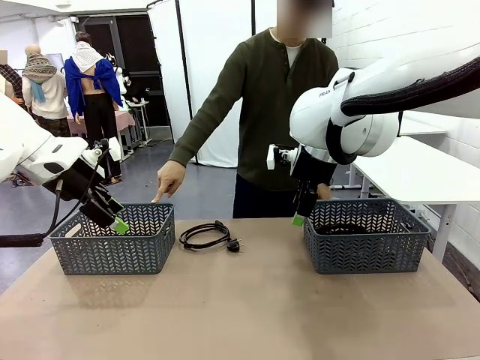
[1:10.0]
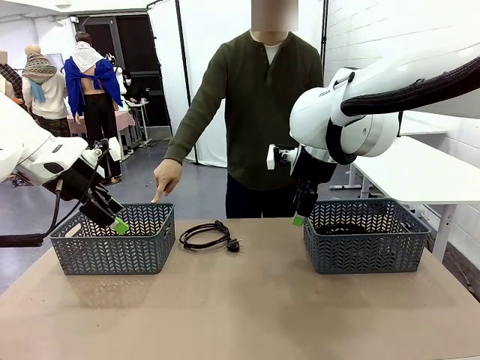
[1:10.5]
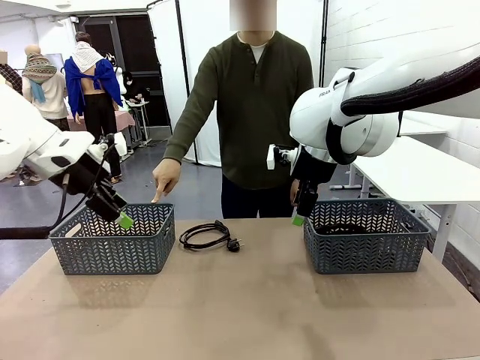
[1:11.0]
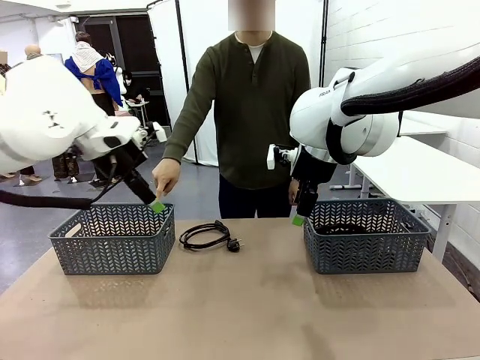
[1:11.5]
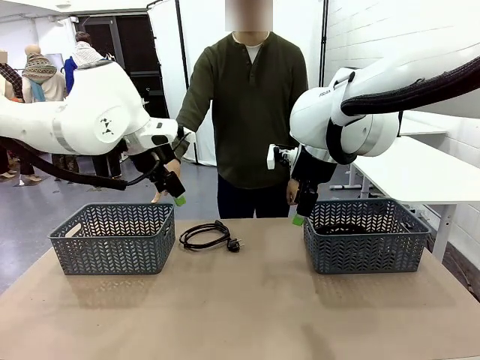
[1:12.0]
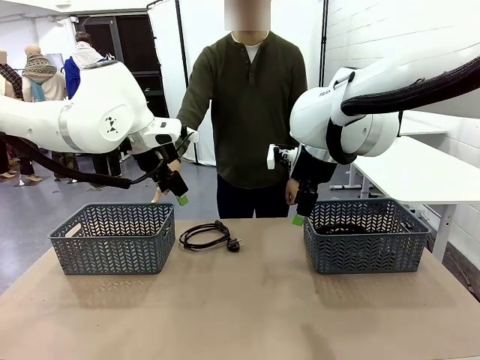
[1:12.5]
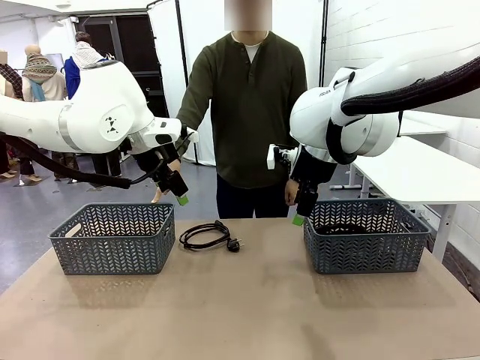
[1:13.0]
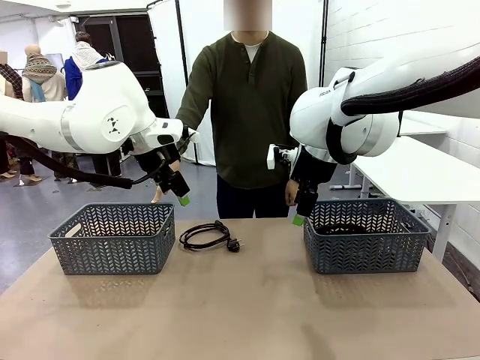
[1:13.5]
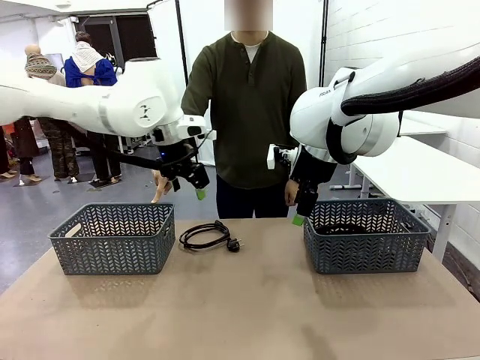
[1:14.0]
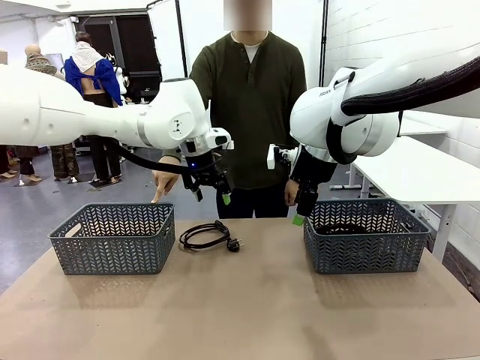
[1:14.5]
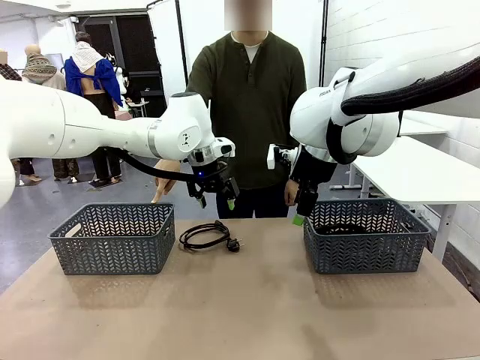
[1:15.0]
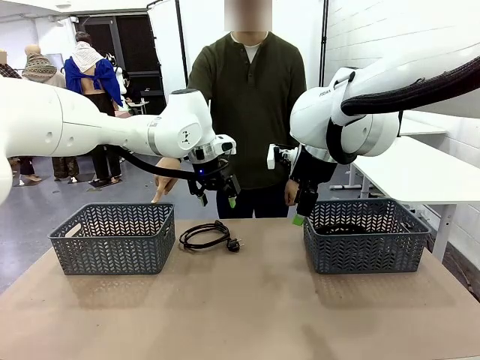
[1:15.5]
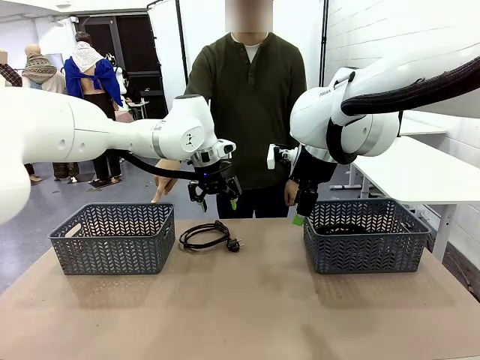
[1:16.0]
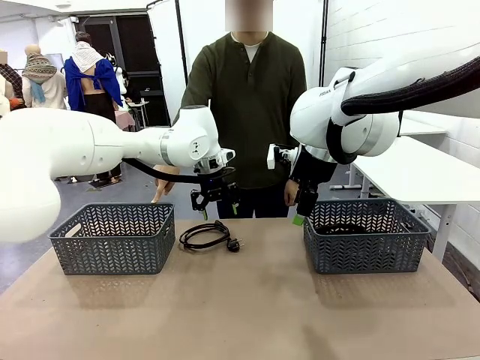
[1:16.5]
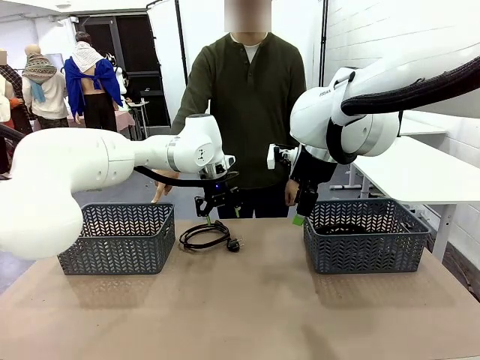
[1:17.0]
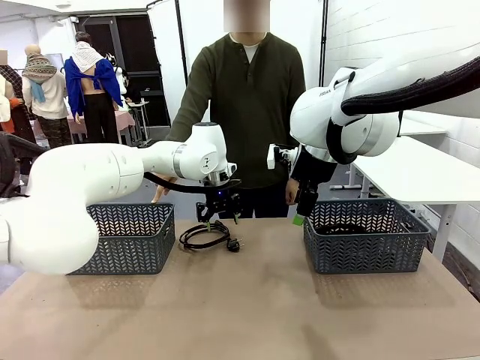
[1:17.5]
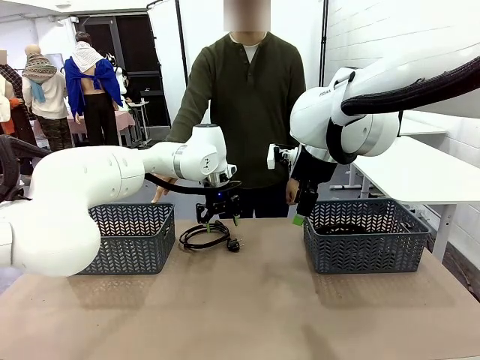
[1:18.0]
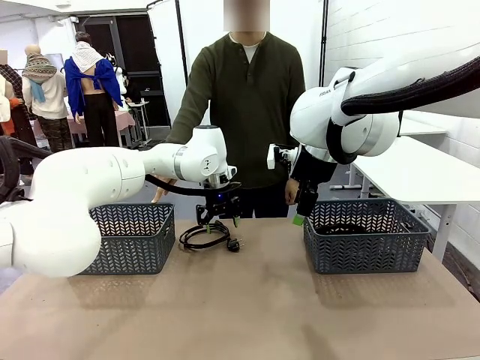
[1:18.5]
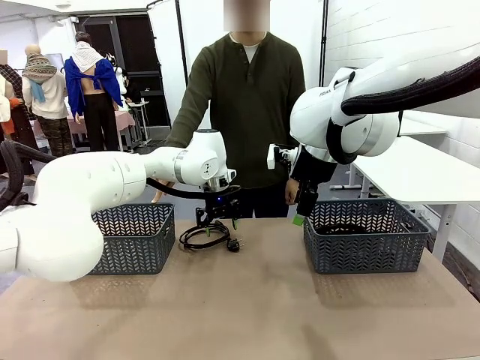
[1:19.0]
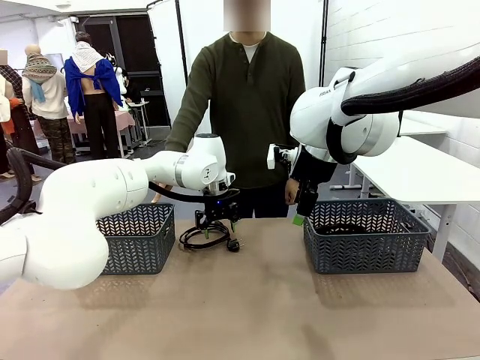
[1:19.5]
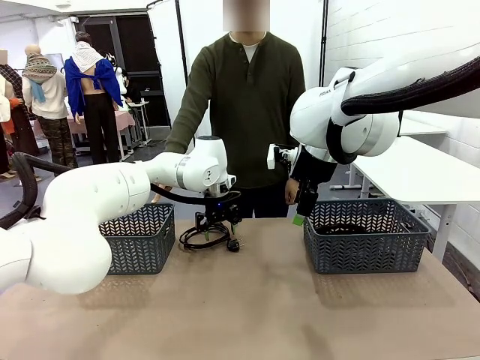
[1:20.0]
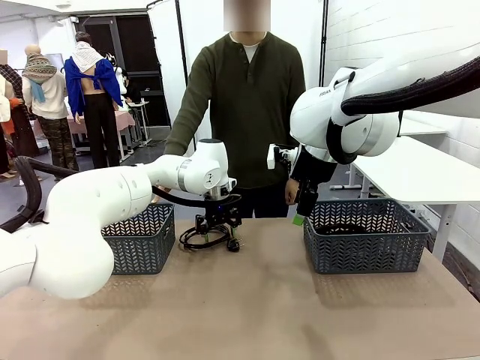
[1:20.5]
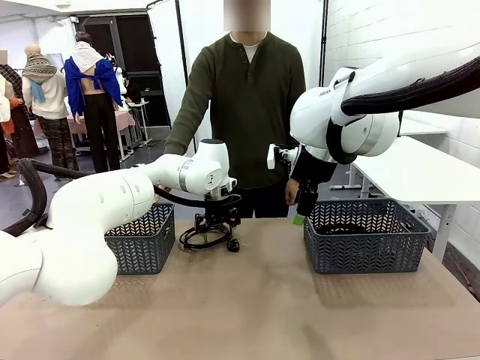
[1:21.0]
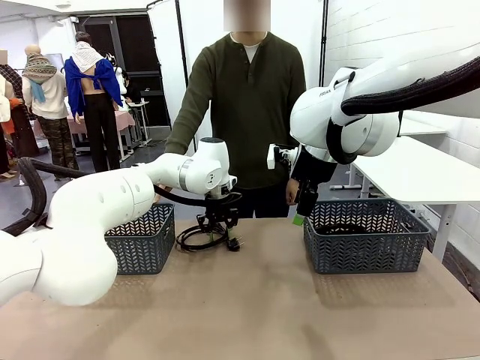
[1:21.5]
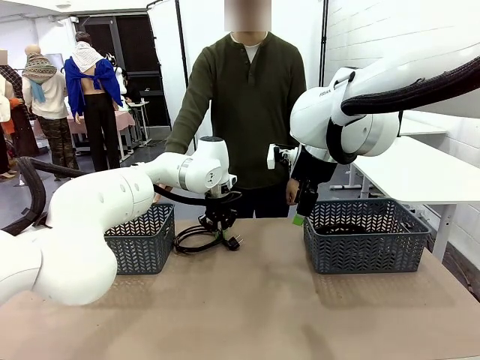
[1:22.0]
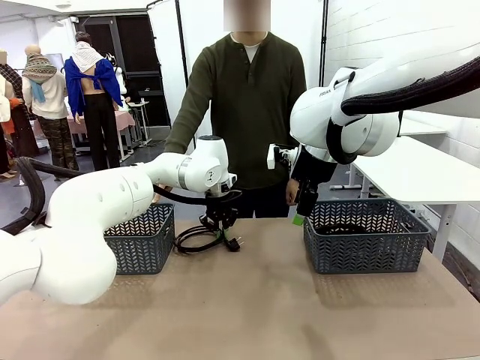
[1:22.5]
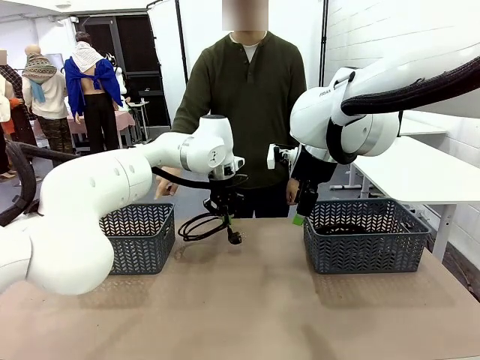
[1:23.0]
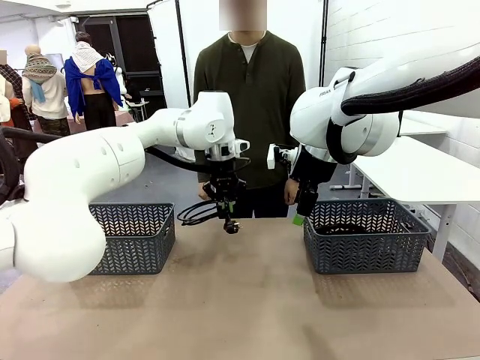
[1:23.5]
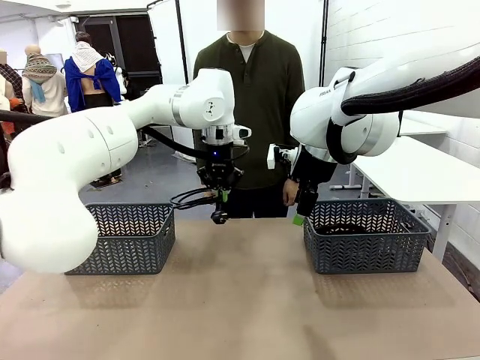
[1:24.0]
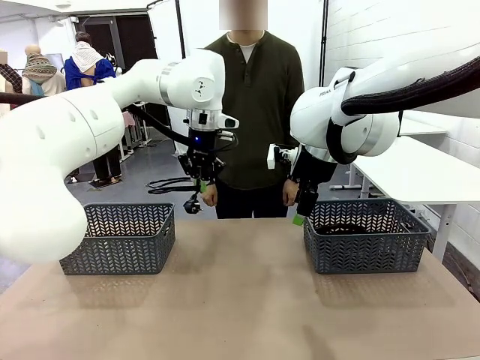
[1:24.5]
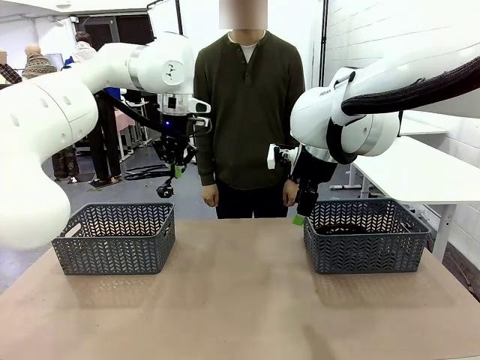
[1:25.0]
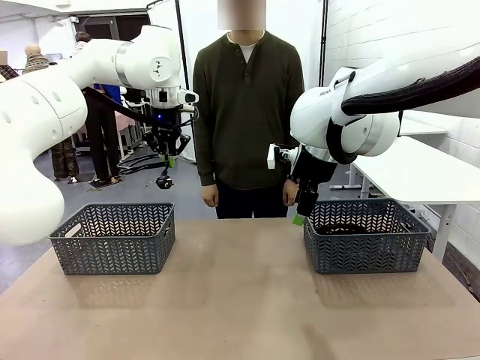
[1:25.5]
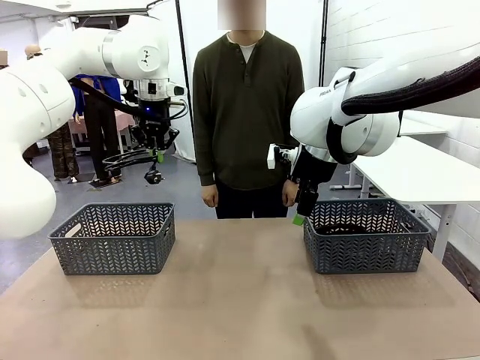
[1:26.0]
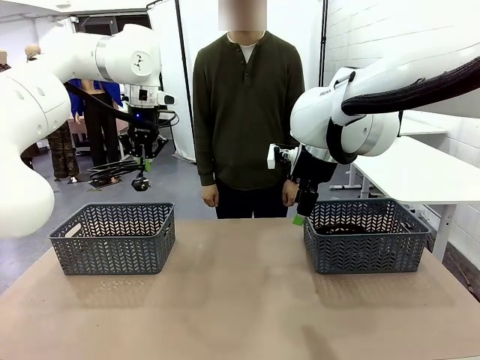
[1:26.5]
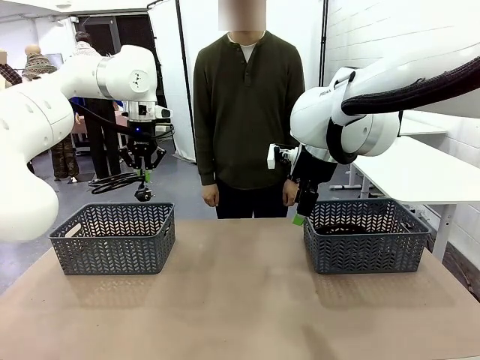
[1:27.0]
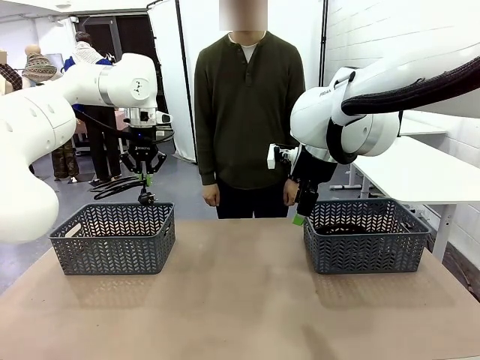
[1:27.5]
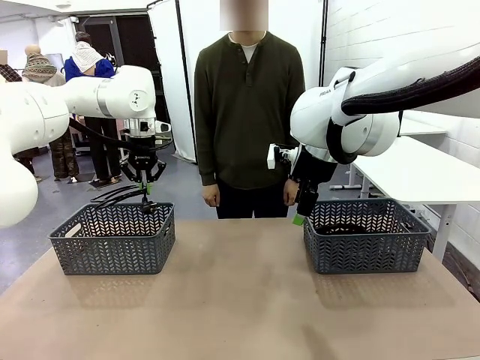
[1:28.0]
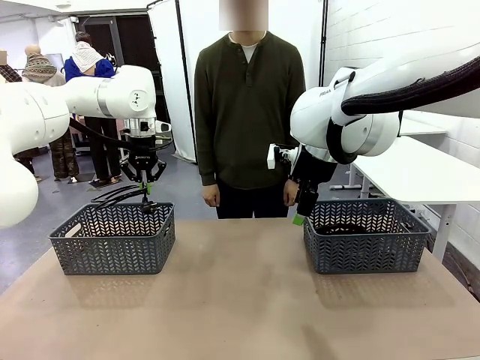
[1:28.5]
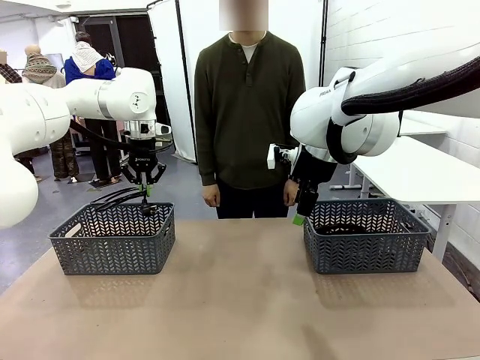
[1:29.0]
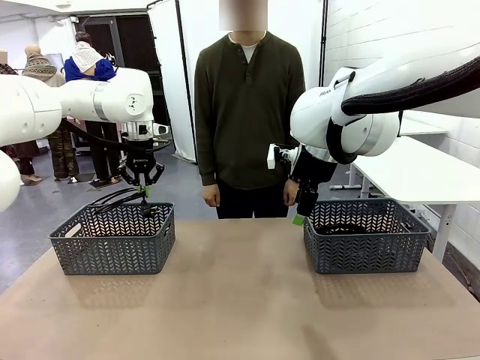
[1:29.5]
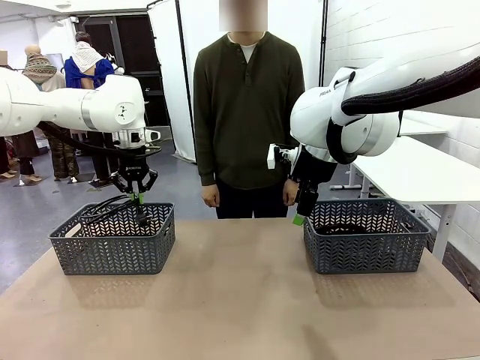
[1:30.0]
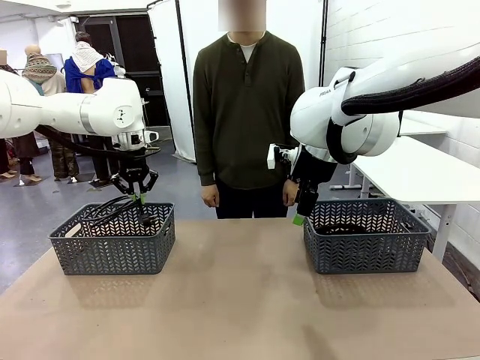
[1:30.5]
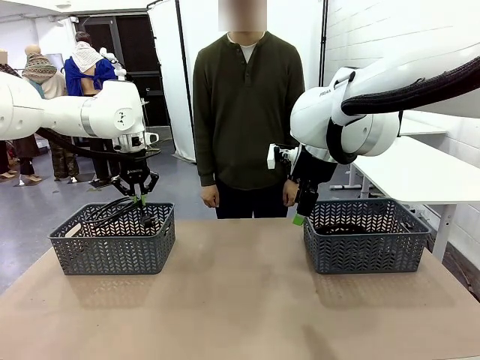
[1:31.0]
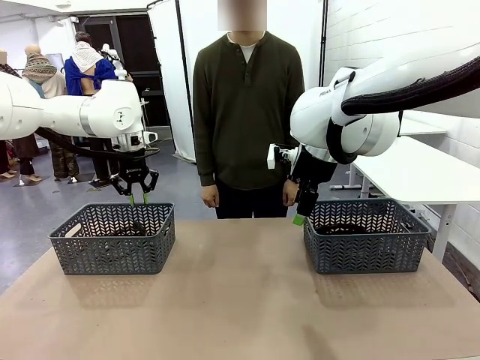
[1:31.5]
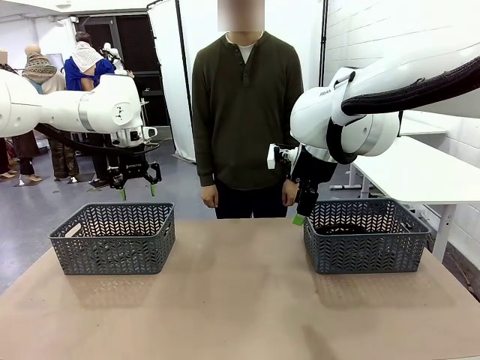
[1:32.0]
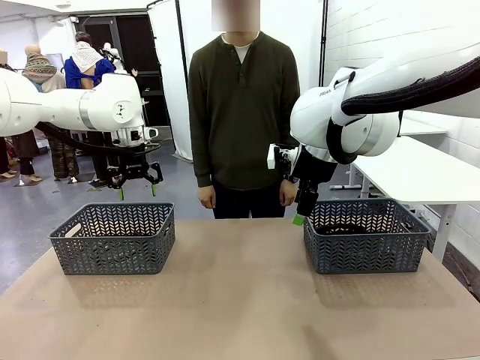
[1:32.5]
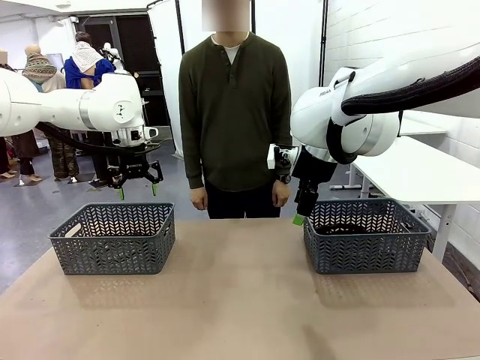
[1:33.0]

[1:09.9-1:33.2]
Task: Organize the cables according to human instructions.
Robot: Pick up a bundle of cables and place it in the basket indicated by the human.

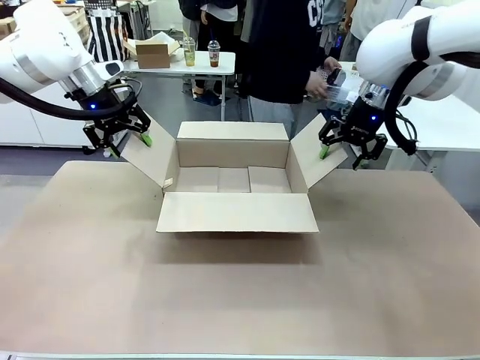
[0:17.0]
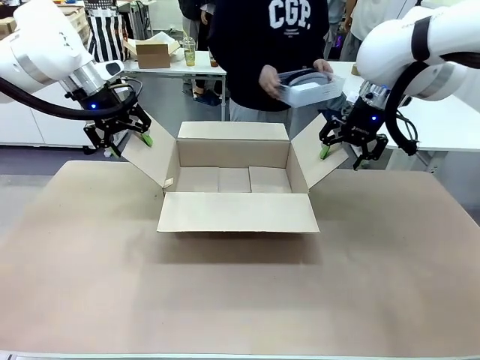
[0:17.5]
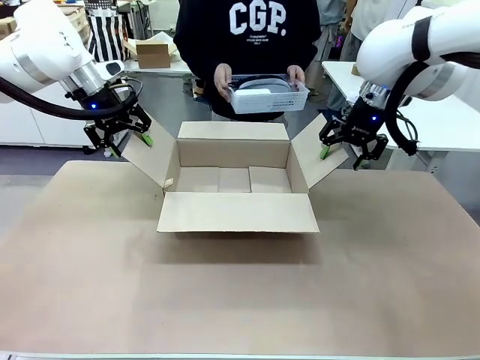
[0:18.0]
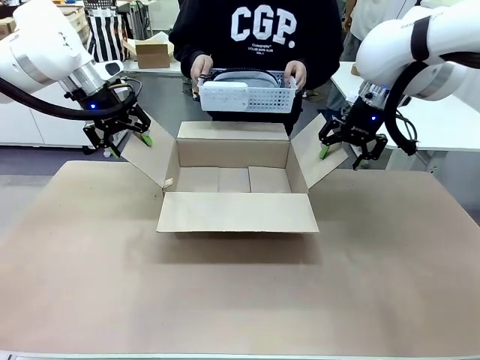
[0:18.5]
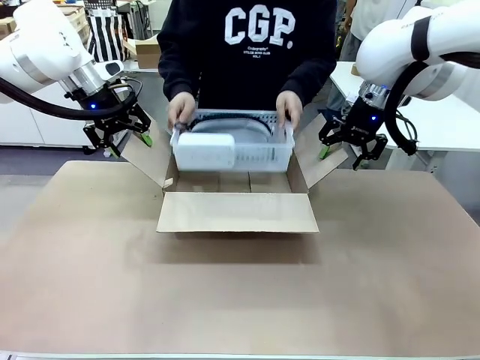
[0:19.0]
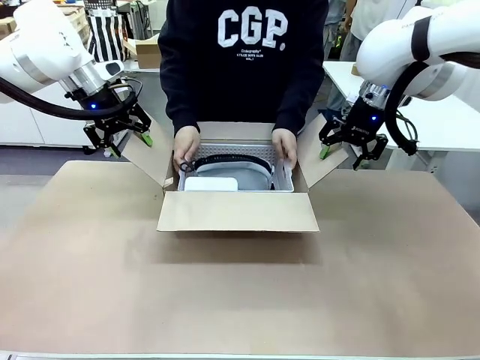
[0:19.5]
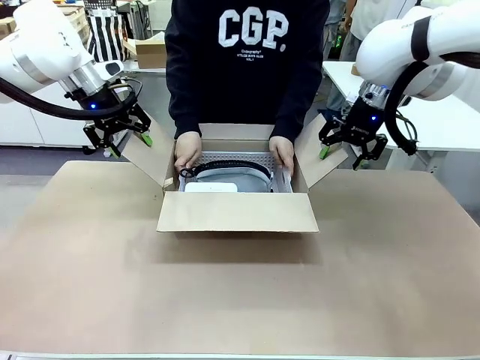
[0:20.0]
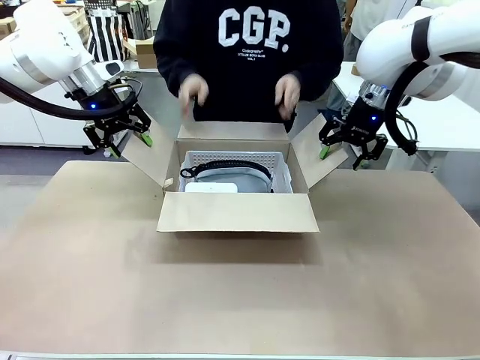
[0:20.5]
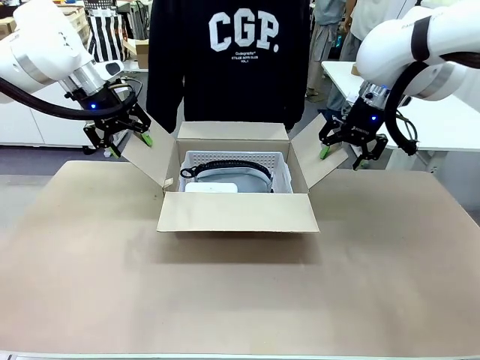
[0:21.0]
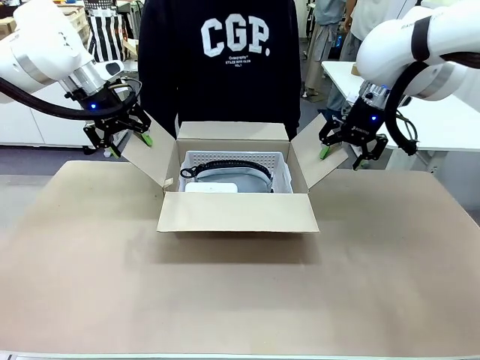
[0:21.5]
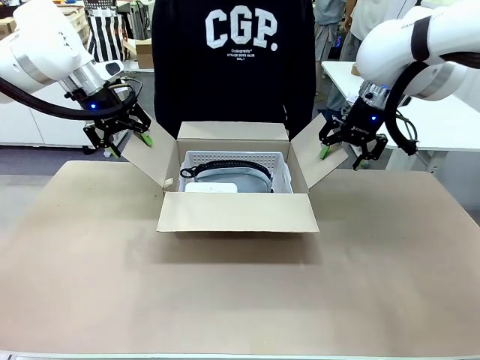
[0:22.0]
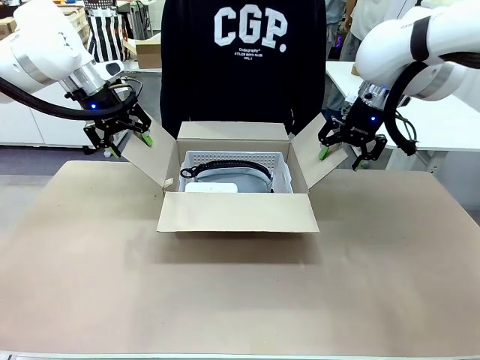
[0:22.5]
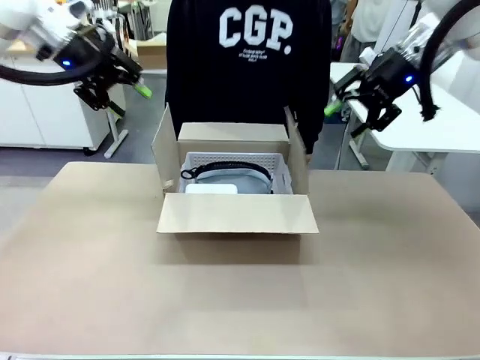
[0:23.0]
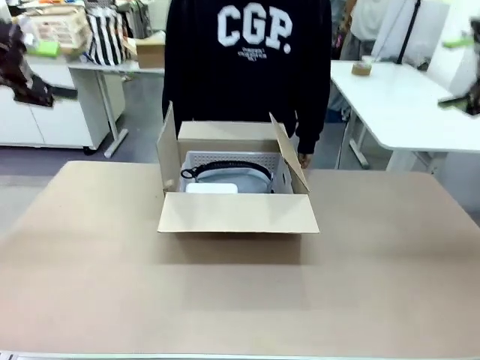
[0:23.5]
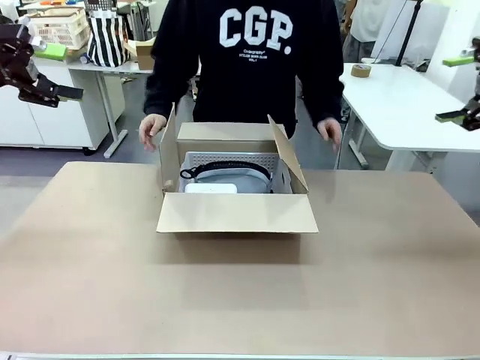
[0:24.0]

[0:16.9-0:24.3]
Task: Pack the gift set into the box.
Robot: Lift both hands away from the flaps of the Package Box.
Person: The human picks up the organizing basket and places the organizing basket into the package box on the robot table.
